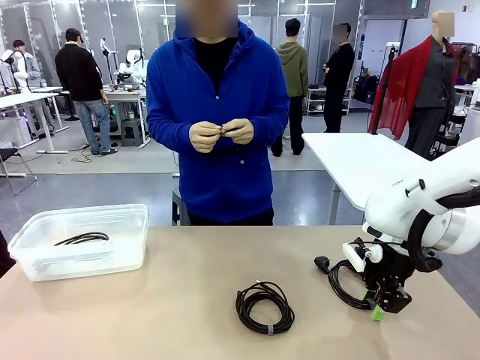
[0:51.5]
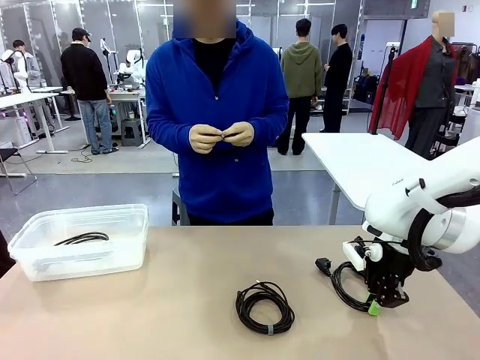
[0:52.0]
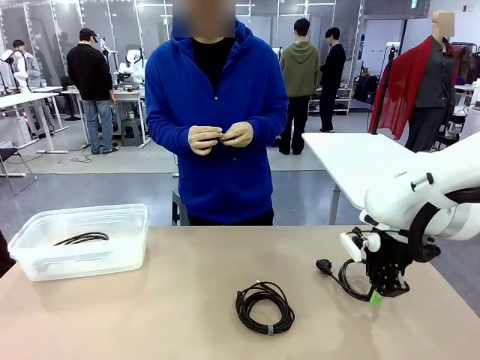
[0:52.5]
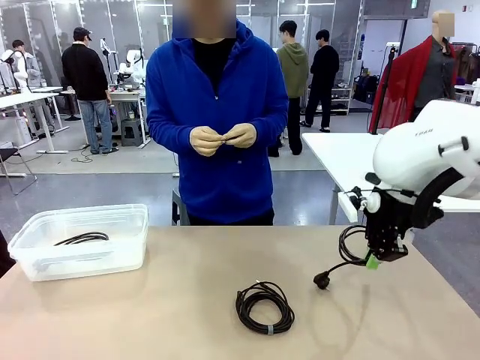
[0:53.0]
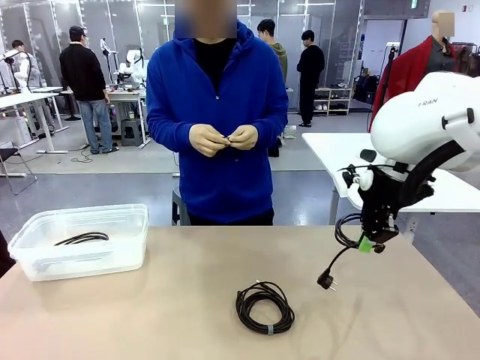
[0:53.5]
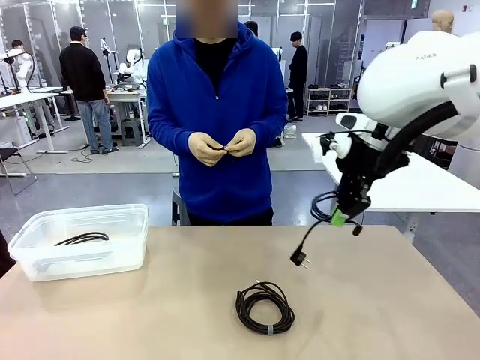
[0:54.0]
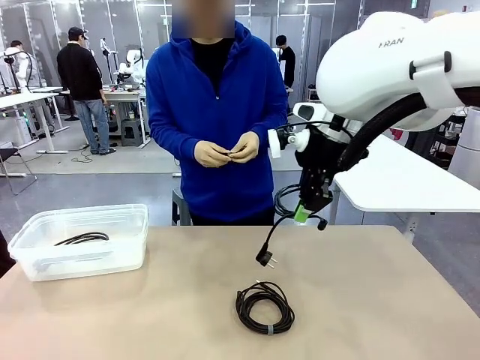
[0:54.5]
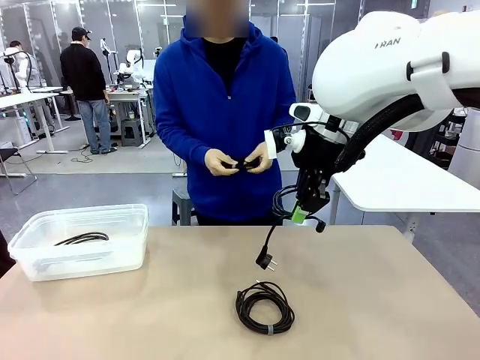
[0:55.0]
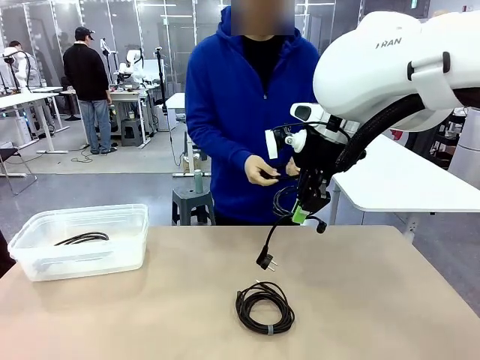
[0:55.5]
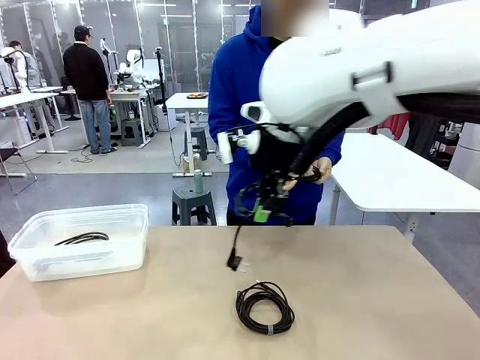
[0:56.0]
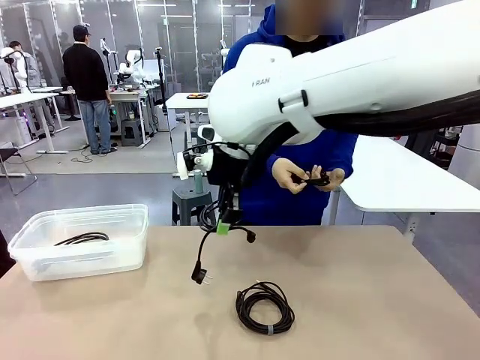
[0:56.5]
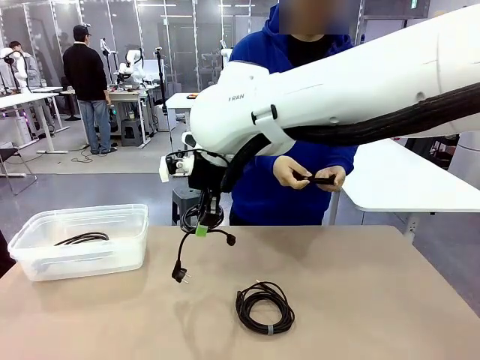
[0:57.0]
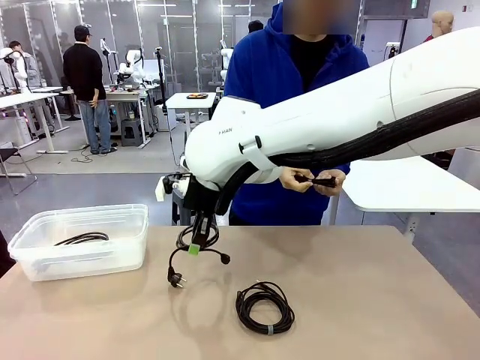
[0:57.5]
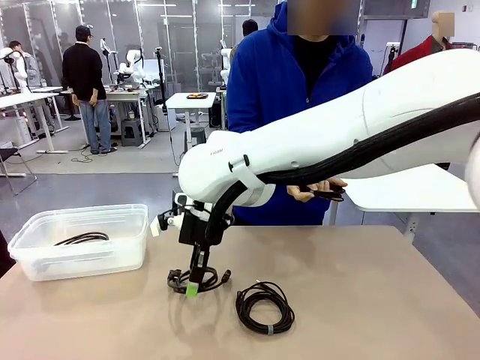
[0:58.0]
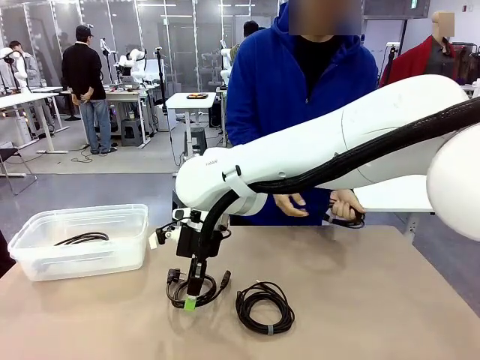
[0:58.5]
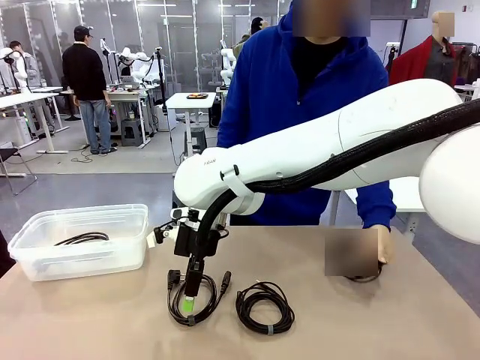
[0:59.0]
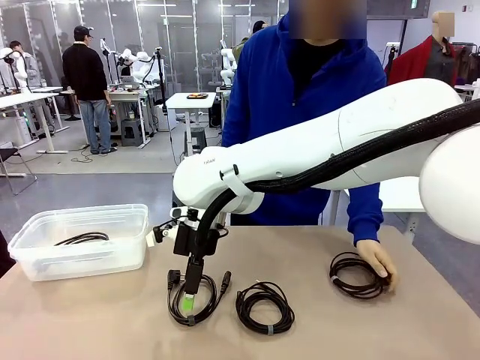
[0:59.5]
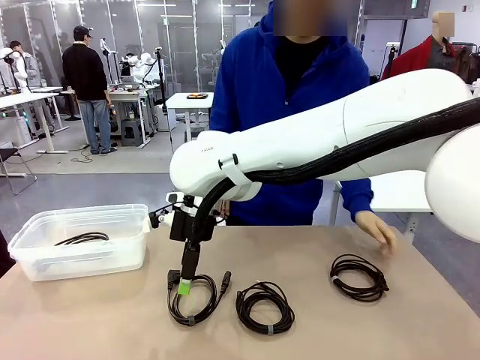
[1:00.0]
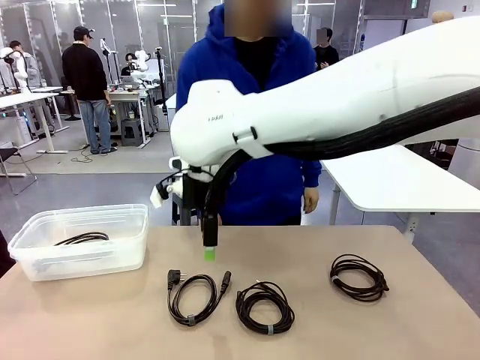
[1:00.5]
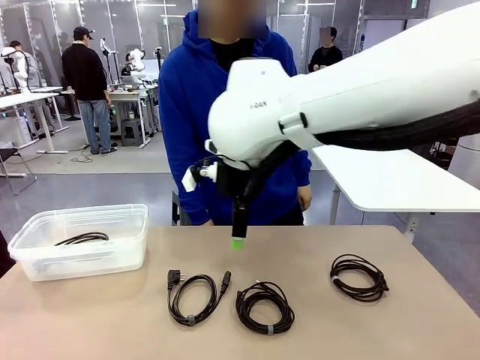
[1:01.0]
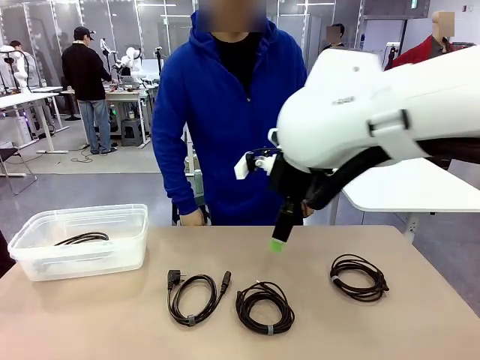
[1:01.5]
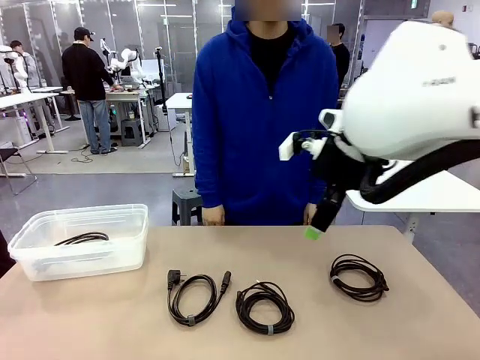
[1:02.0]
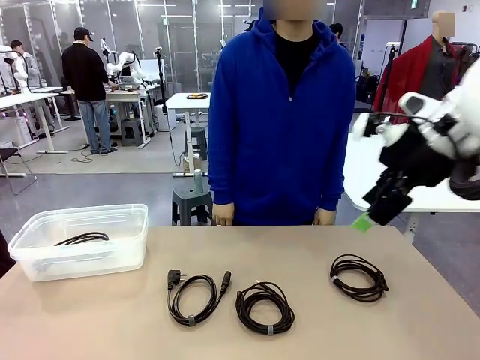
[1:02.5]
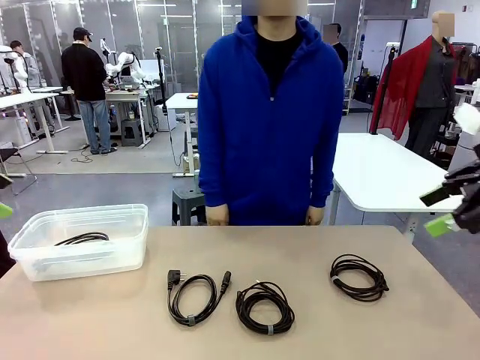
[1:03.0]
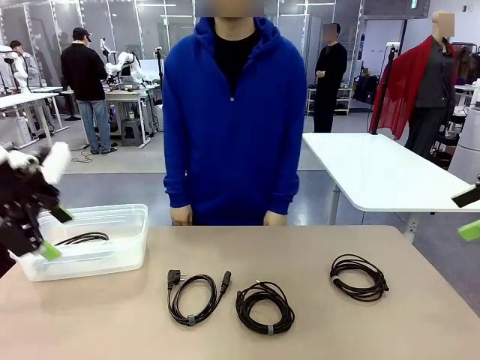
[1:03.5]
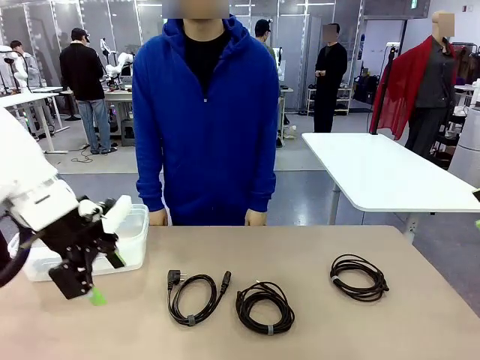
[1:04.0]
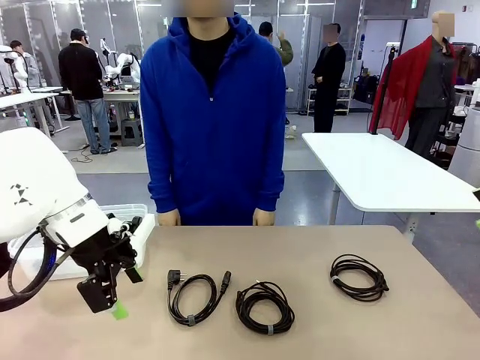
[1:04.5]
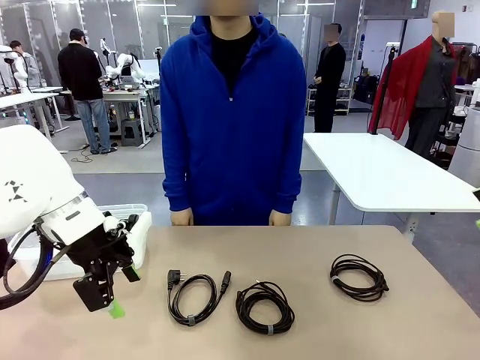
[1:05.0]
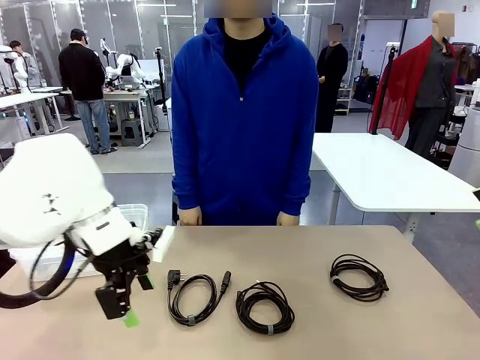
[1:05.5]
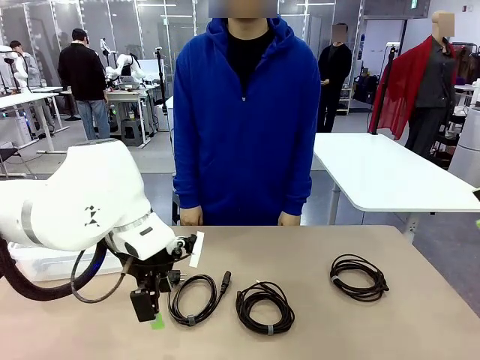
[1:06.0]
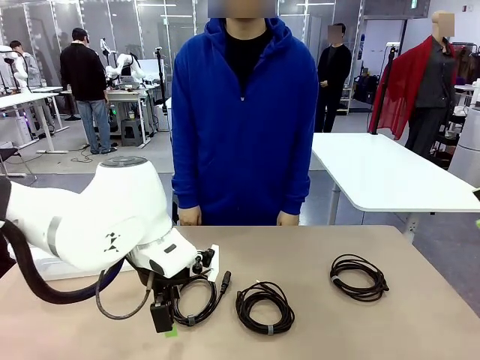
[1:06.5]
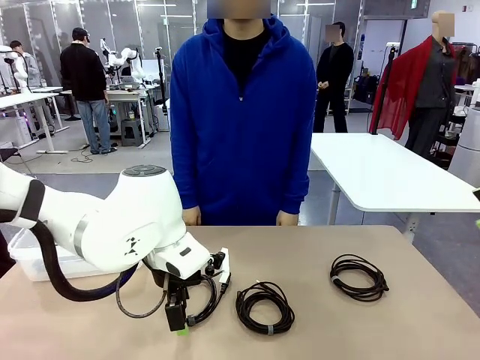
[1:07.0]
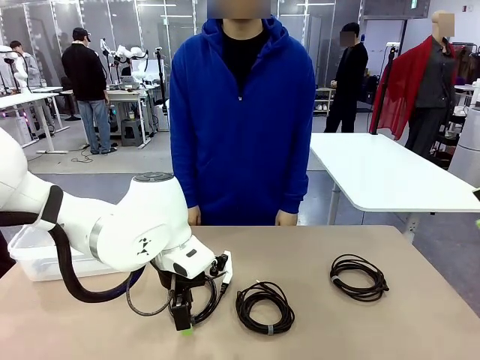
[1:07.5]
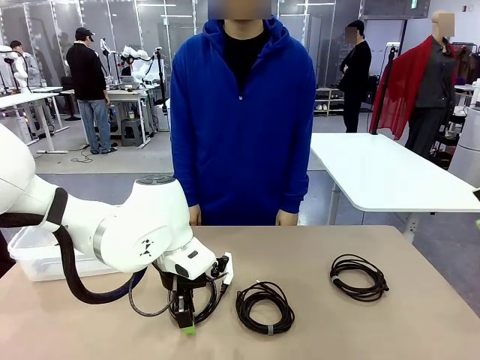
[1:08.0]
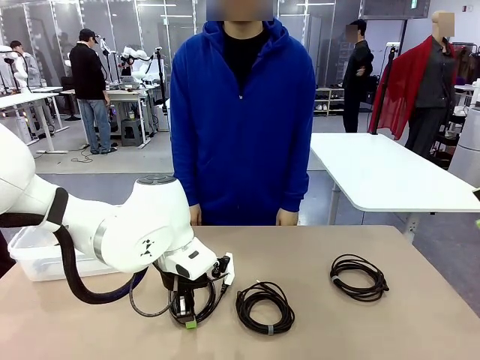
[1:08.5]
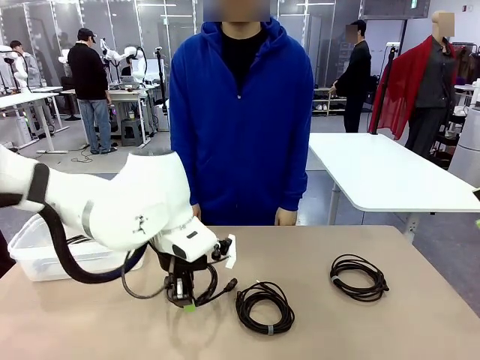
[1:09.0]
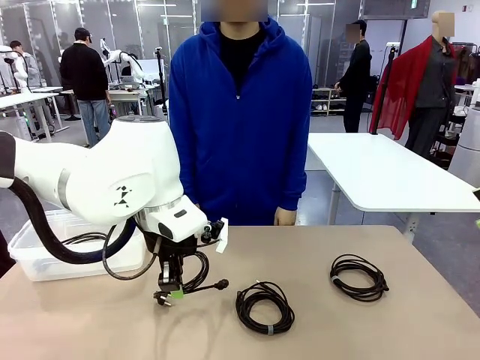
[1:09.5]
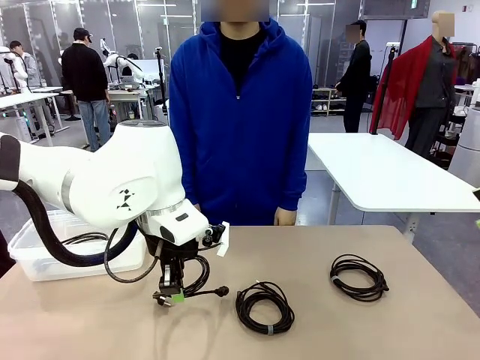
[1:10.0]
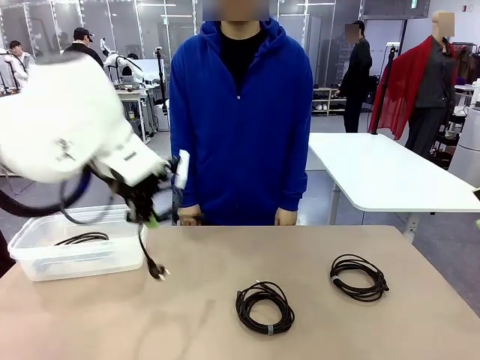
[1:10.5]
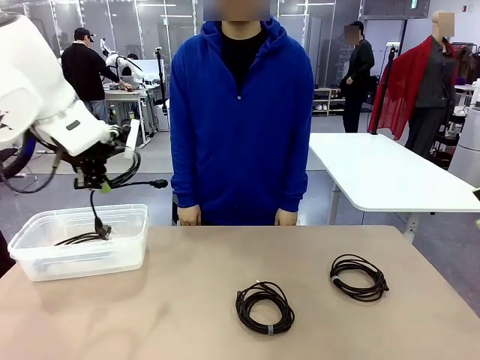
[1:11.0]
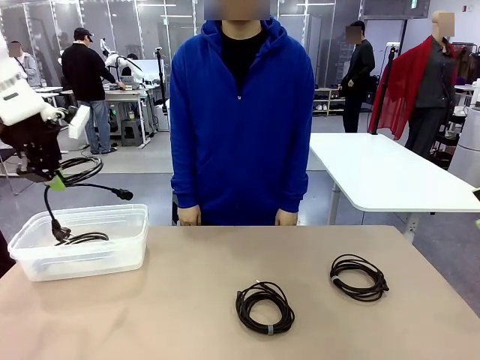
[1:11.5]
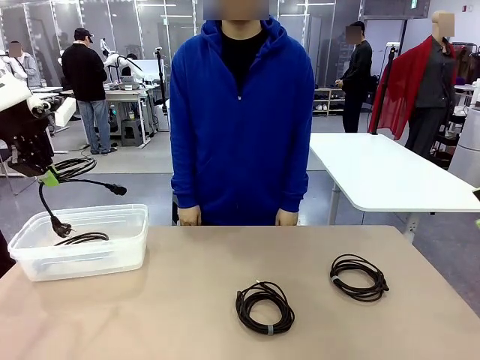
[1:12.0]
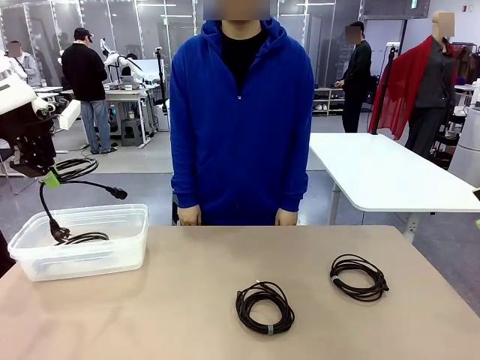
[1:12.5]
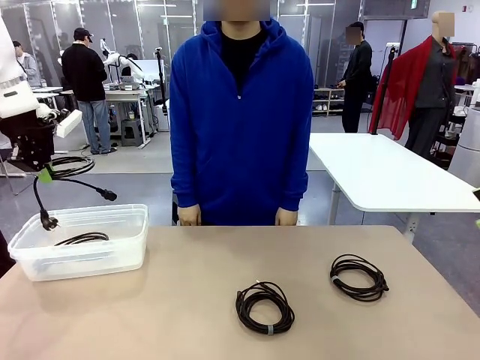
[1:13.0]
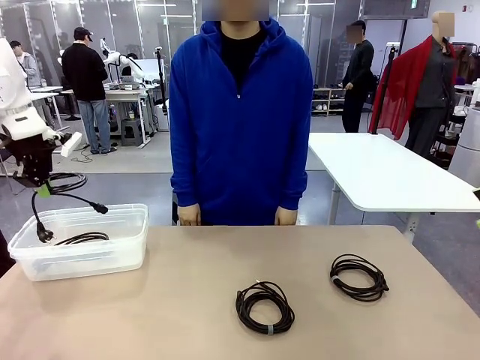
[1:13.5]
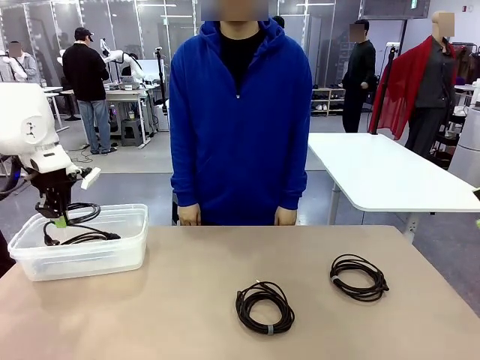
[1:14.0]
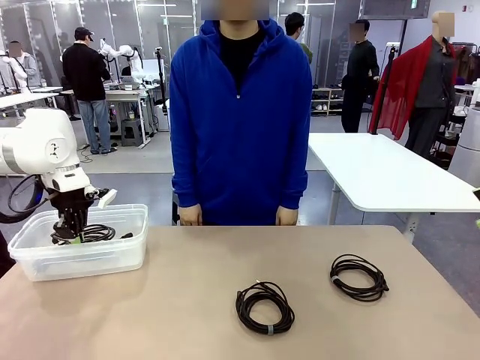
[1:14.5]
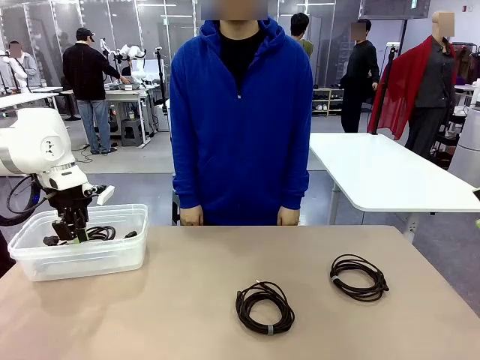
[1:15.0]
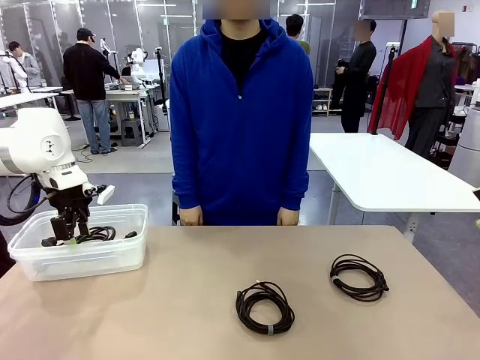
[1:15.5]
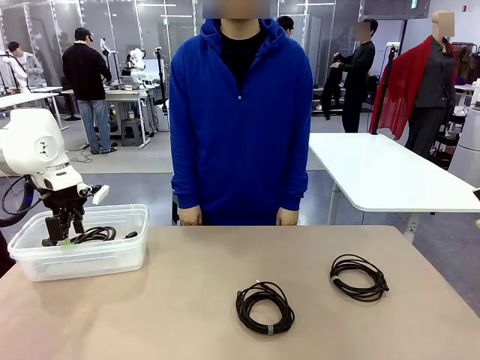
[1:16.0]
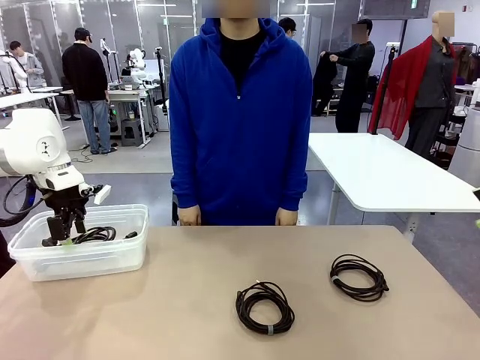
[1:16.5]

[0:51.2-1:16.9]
Task: Organize and store the cables.
Robot: Place the Power Cable into the Organizing box.
